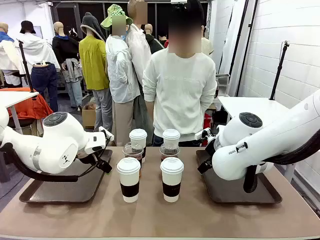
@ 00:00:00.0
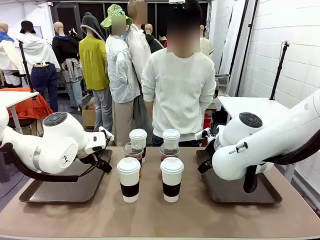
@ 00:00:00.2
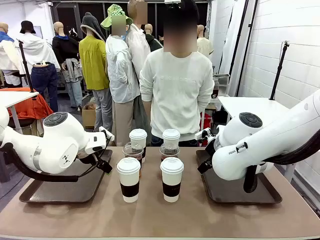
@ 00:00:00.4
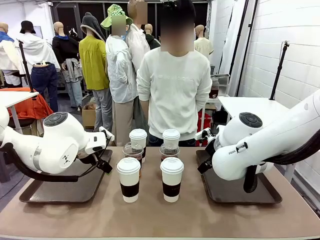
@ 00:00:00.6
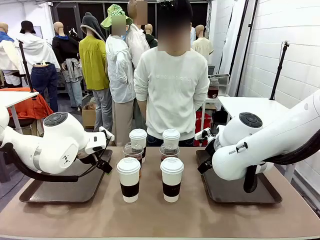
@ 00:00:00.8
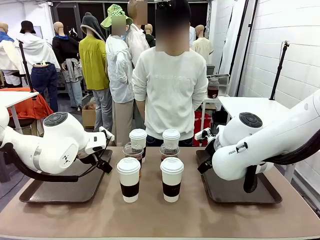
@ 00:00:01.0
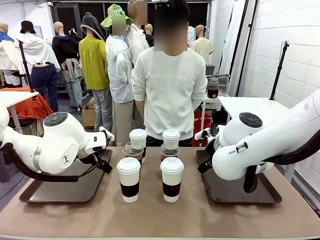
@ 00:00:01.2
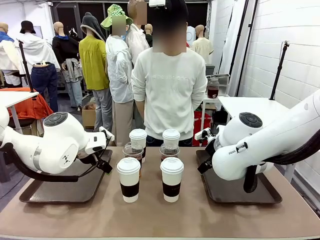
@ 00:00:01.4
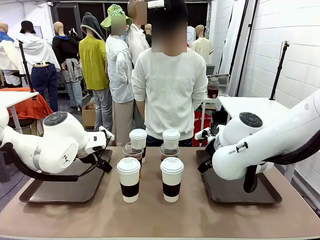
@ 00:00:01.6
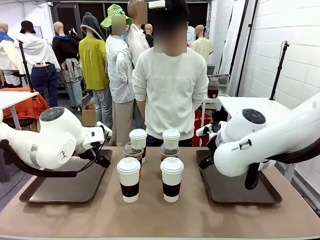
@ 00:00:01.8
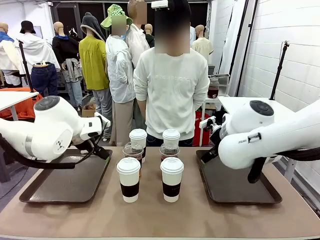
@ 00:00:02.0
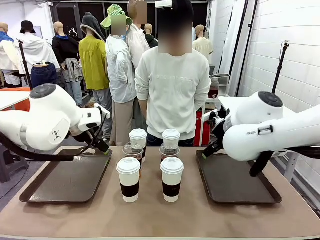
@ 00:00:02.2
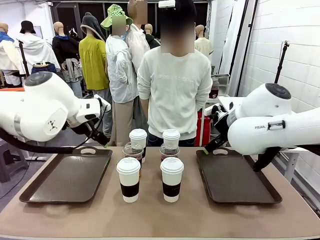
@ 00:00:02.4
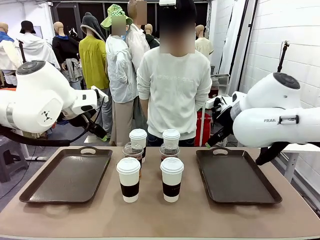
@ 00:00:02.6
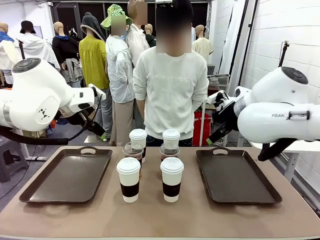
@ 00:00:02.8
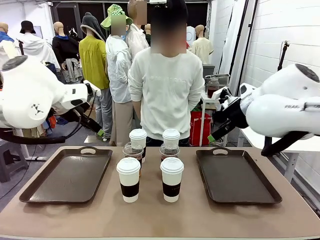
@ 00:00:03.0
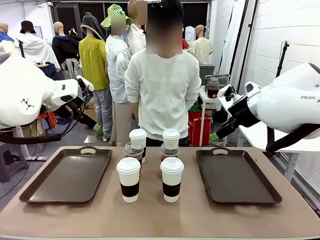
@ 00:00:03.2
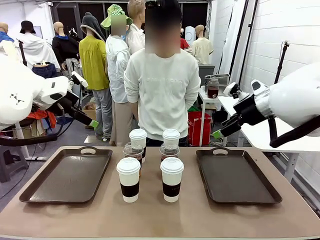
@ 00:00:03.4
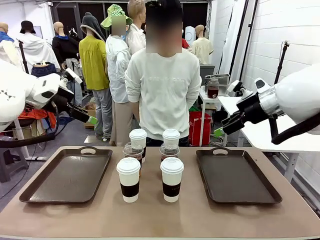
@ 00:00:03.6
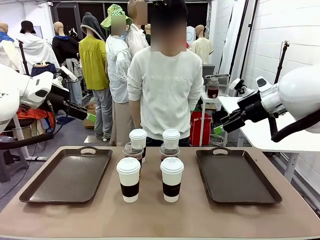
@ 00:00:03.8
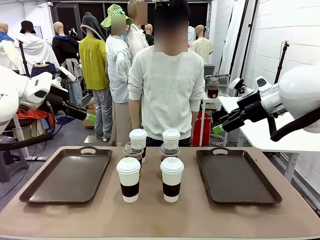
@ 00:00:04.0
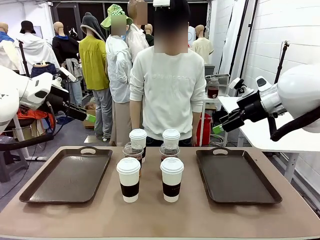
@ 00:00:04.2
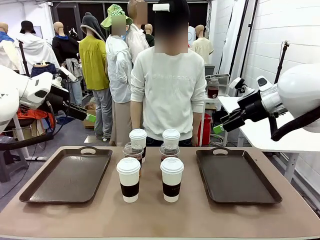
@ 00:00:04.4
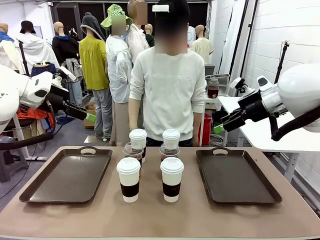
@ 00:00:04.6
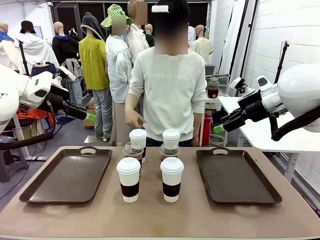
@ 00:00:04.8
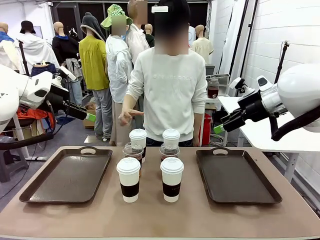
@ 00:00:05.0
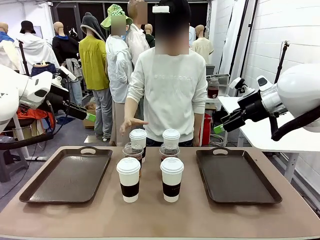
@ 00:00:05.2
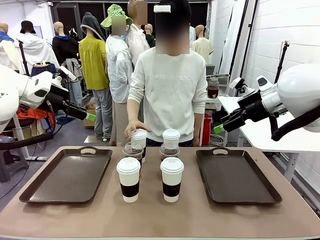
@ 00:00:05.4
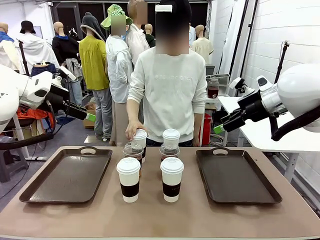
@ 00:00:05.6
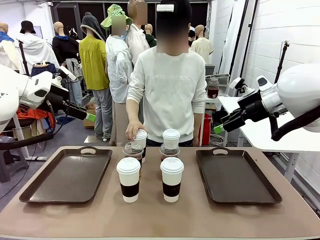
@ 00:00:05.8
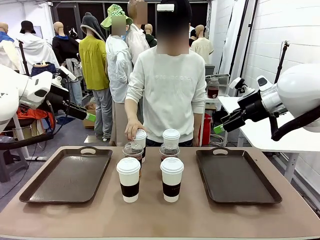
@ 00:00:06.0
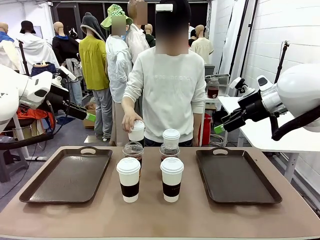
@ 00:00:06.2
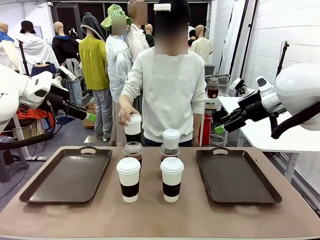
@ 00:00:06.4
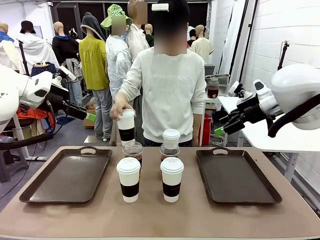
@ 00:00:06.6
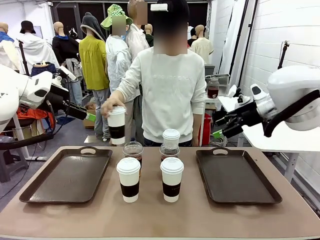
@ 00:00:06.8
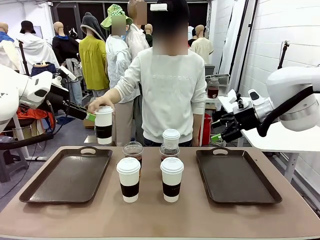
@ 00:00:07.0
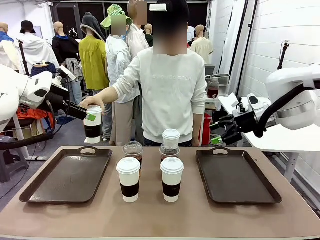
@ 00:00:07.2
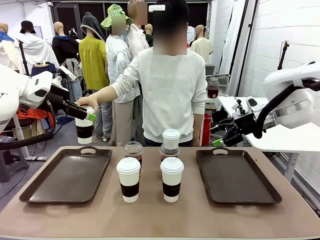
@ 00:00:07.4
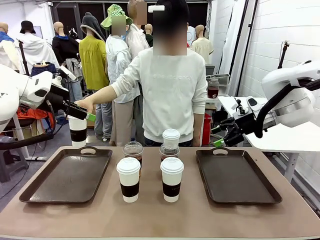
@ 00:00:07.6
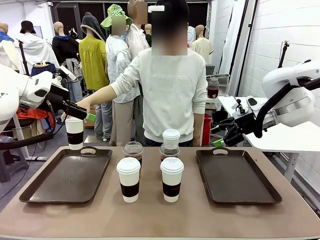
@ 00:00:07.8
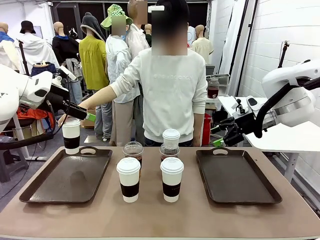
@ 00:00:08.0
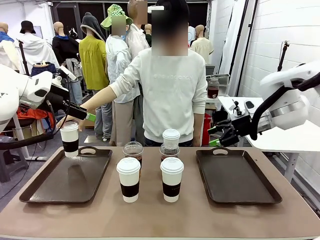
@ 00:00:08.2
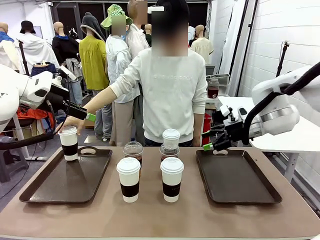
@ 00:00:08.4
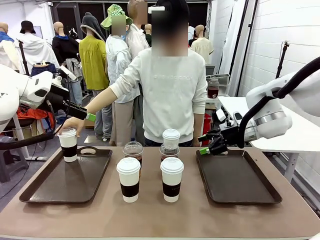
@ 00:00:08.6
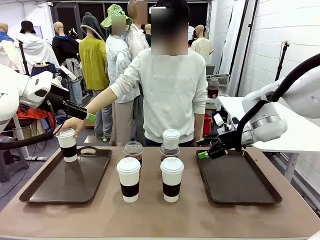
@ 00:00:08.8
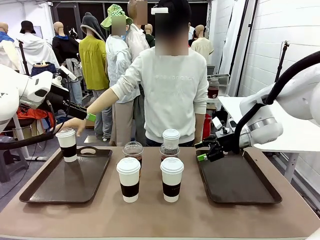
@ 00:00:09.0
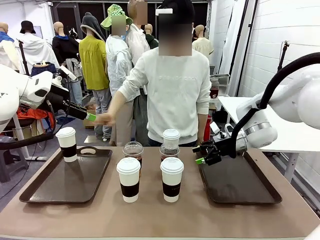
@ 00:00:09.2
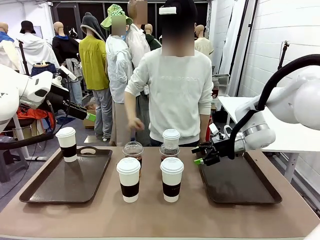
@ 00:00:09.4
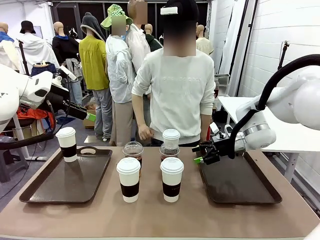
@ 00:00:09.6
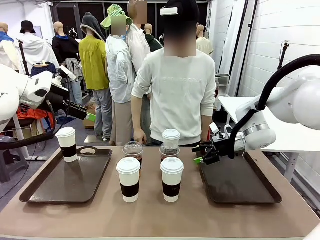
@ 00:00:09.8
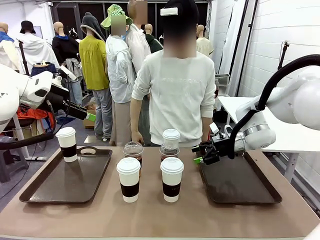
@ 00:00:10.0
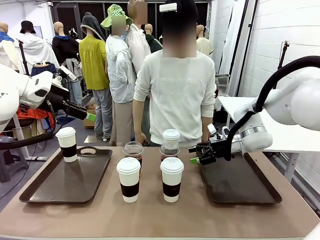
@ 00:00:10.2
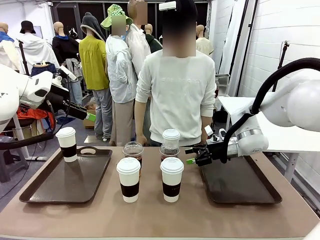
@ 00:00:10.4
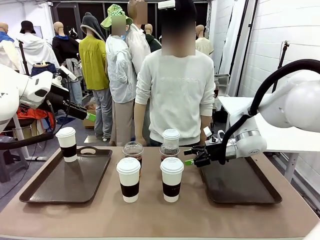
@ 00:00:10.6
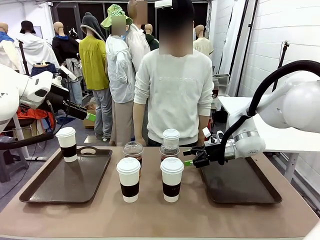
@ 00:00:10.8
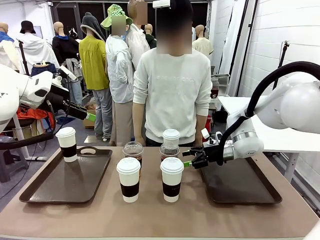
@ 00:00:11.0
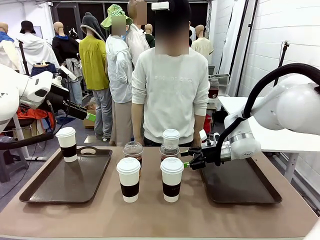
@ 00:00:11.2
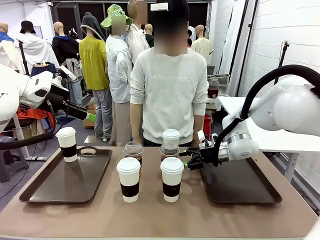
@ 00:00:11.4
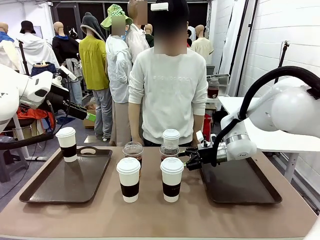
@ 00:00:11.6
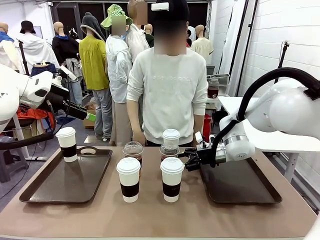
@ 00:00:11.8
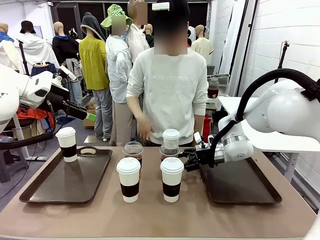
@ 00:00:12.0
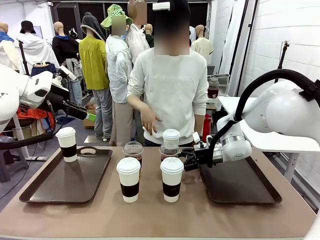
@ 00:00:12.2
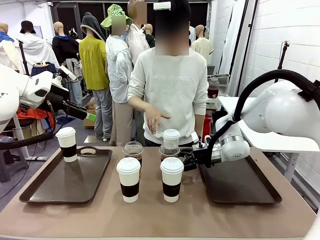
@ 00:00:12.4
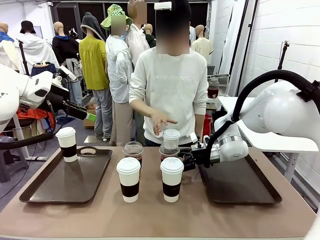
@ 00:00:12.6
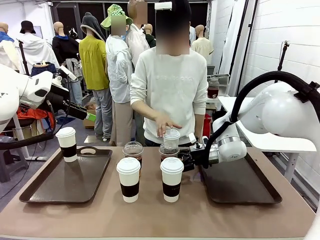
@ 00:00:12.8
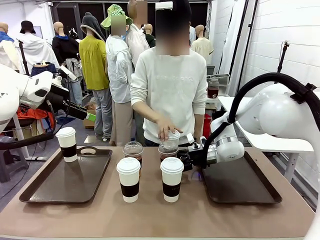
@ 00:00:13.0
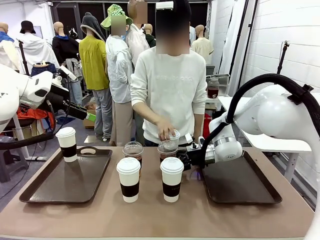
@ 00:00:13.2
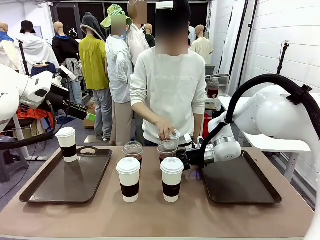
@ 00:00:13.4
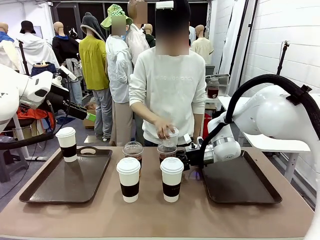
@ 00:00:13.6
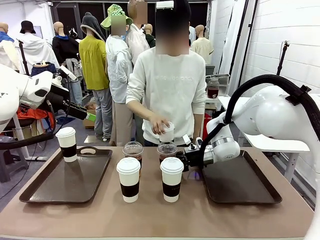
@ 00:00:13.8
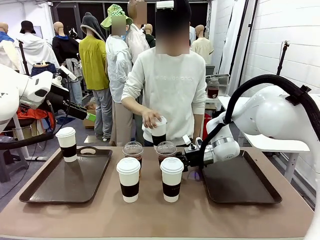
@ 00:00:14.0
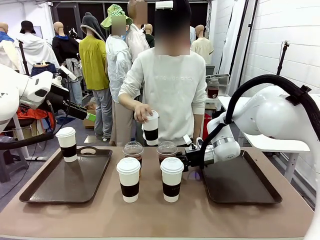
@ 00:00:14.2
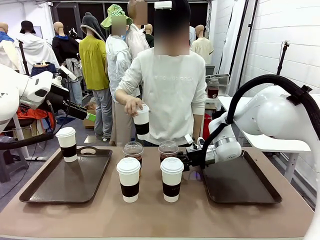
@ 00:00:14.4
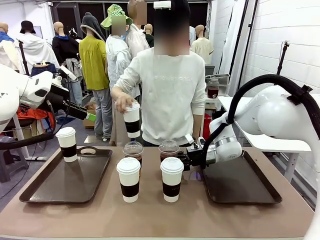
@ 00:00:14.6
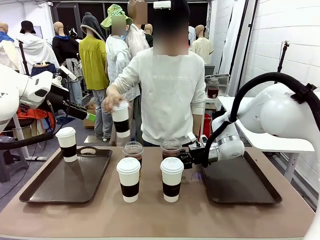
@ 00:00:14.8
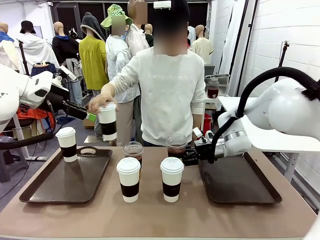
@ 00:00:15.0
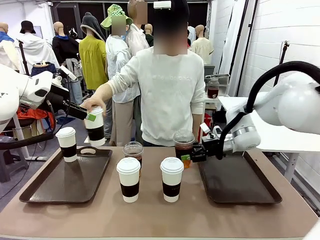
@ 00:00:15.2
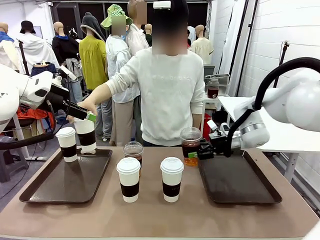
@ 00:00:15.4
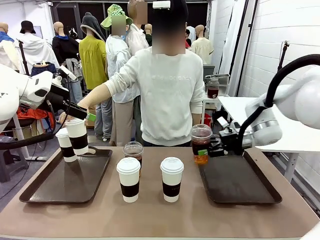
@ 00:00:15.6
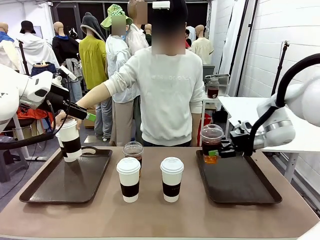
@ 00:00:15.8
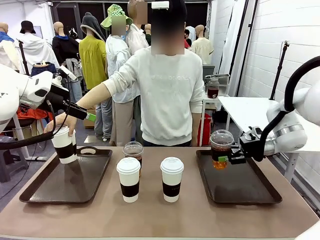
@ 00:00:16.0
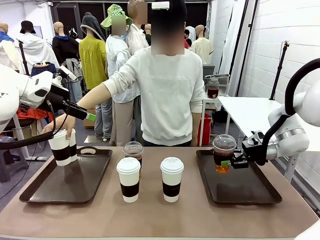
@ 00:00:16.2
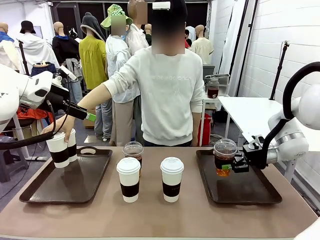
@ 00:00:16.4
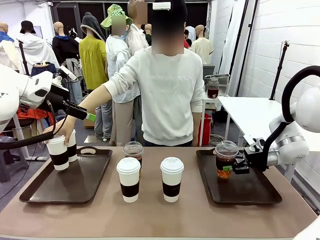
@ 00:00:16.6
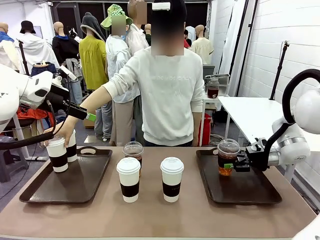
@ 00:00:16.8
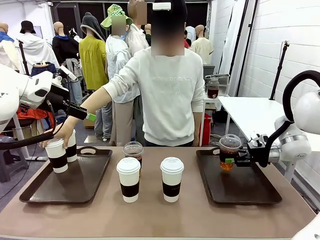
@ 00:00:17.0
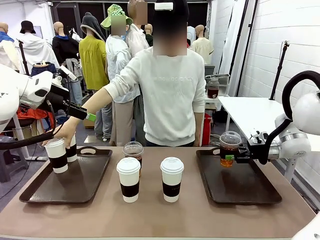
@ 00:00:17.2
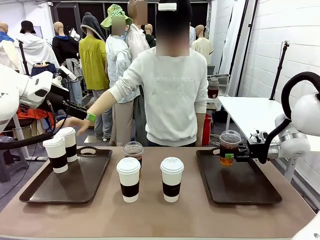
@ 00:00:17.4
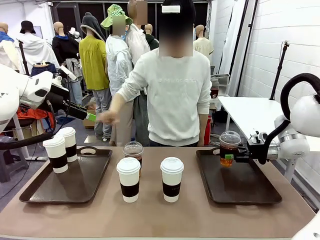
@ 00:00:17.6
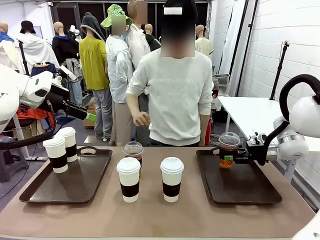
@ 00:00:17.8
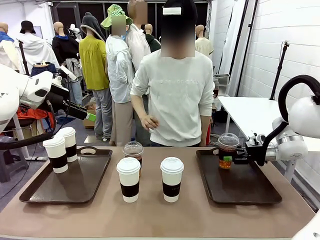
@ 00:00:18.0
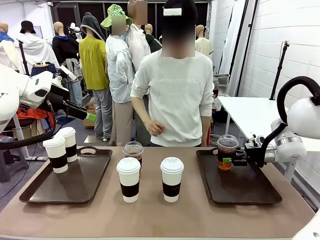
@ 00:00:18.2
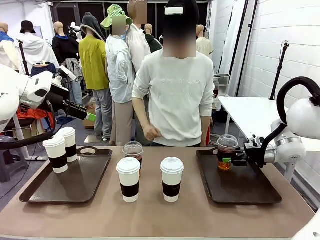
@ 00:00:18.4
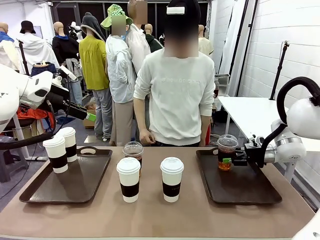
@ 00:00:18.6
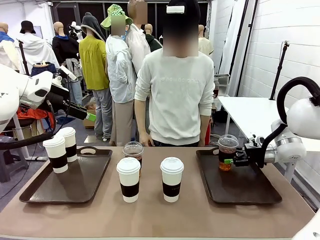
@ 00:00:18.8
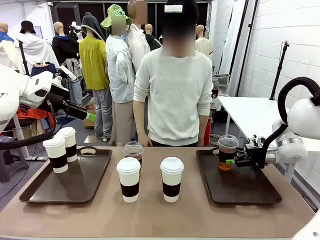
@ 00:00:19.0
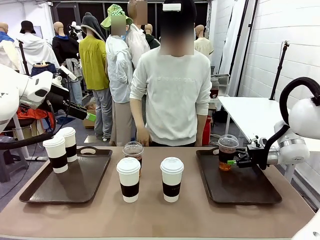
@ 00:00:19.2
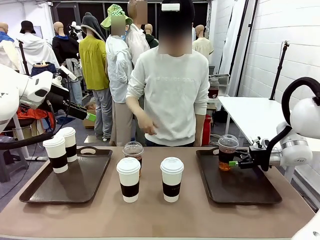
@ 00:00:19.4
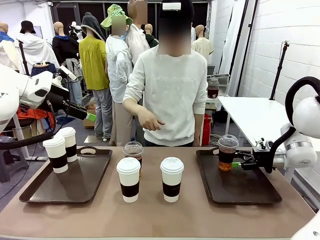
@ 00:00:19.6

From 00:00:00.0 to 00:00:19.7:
Task: Distribute the coffee onto the tray.
Robot: Pick up one iced Americano and place it on the right Handle tray.
Person: Pick up a cup of hot Americano and place it on the right tray.
